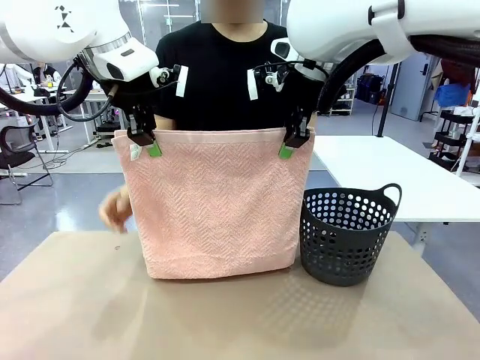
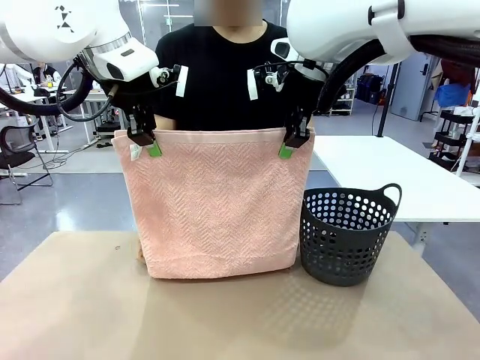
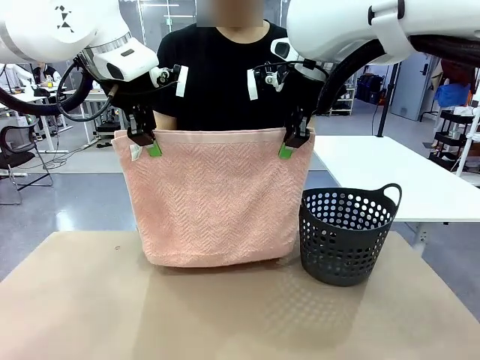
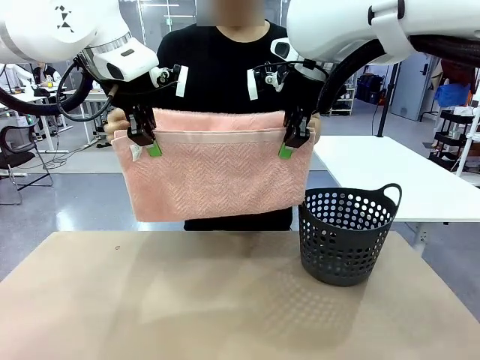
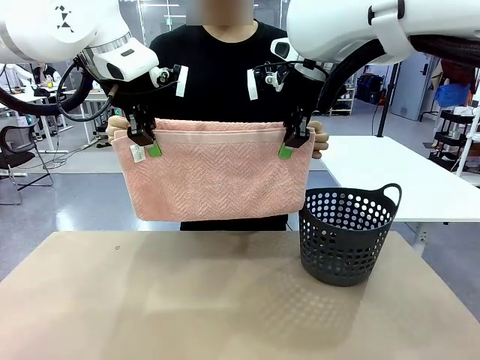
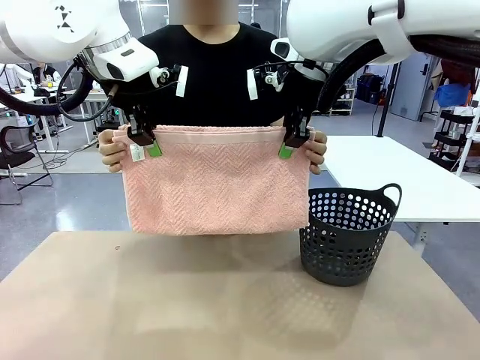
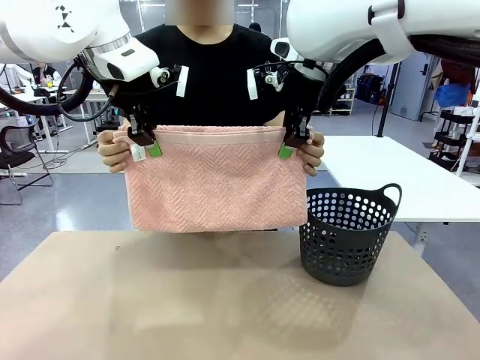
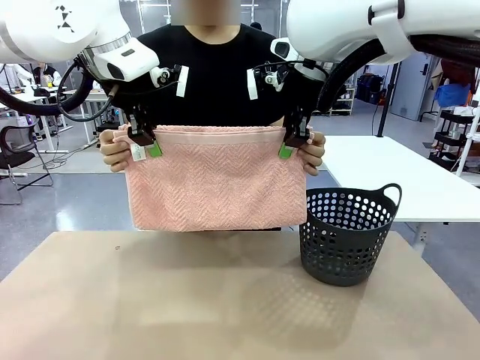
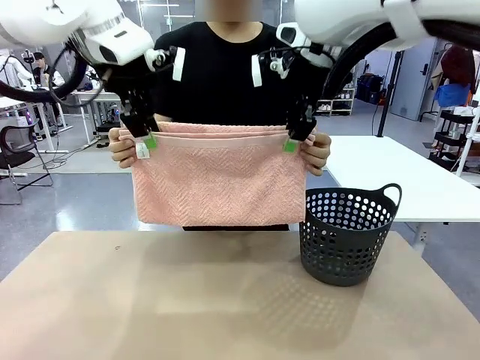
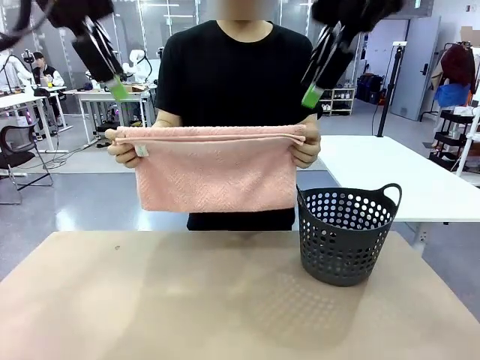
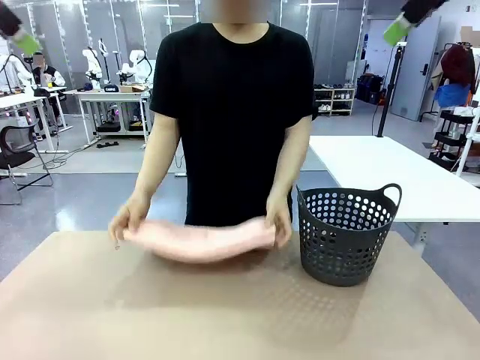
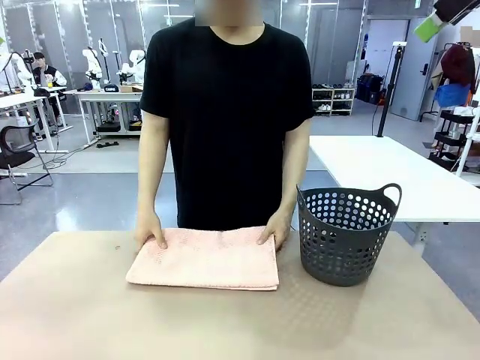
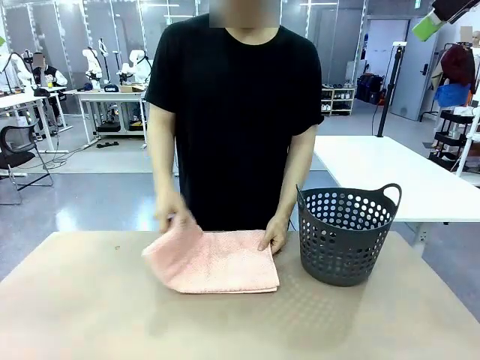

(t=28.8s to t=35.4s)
Task: Fold the towel.
Robot: Release the end of the 100 cm Hotel Towel you were holding.
Person: Place the towel at the center of the robot table and fold it in half.

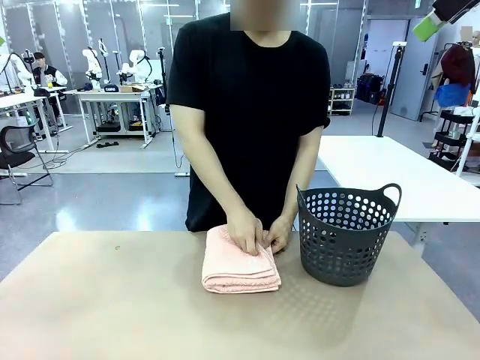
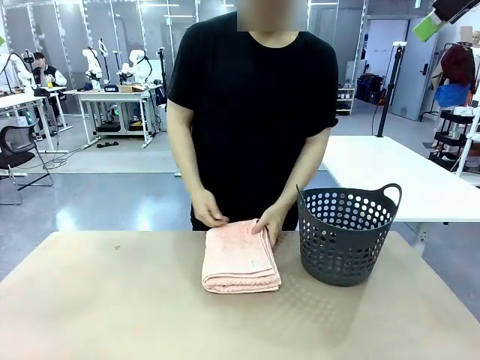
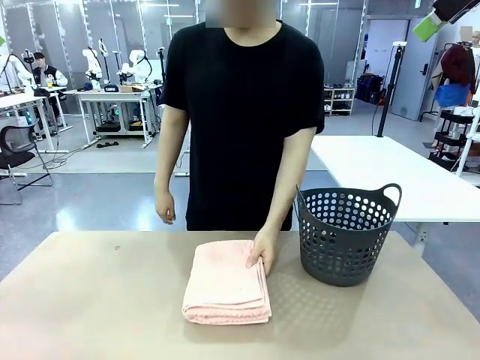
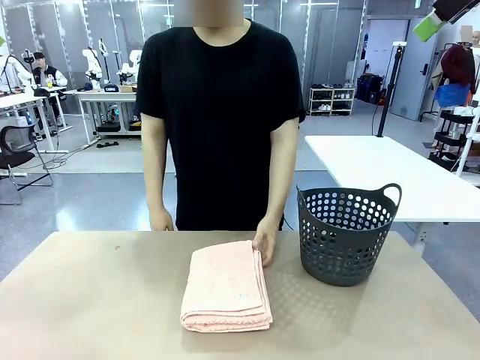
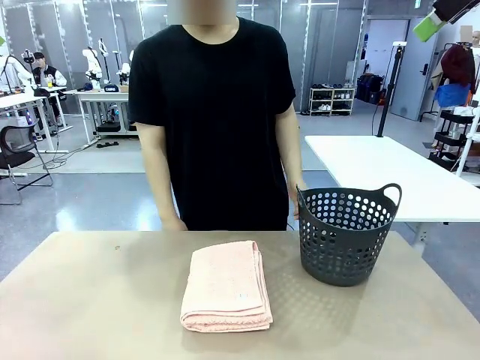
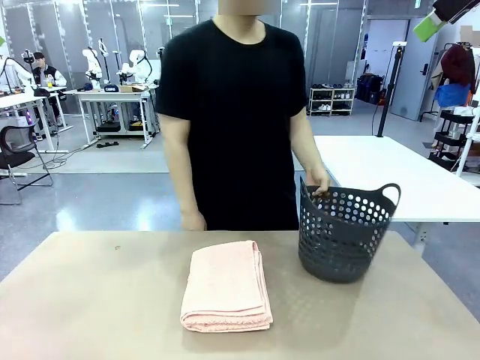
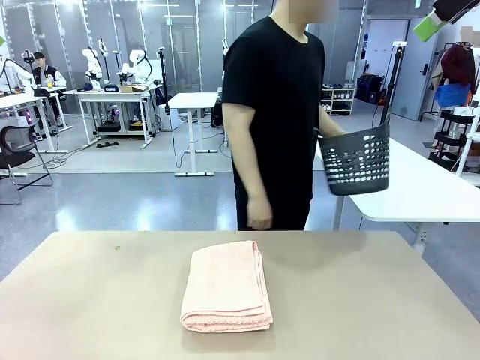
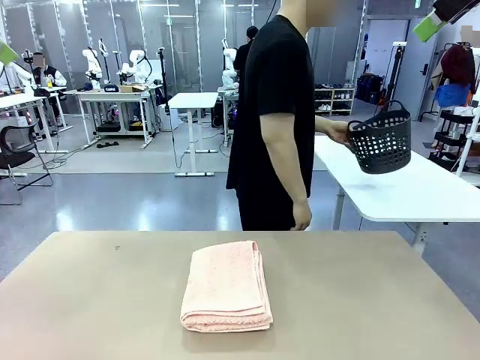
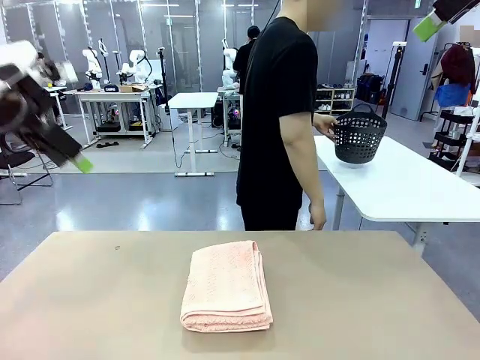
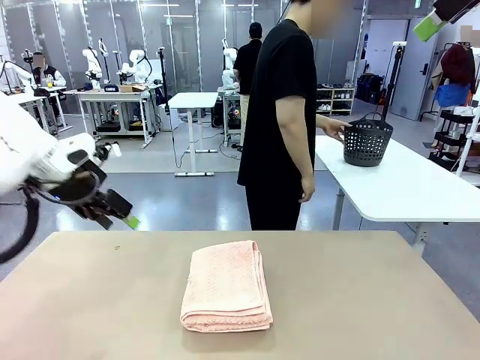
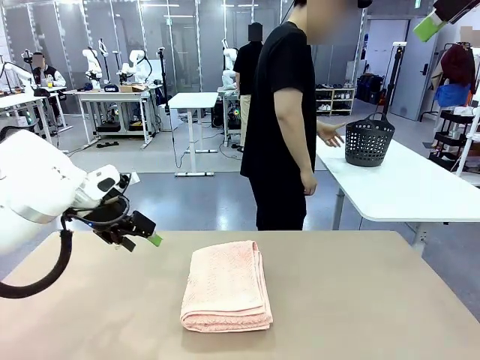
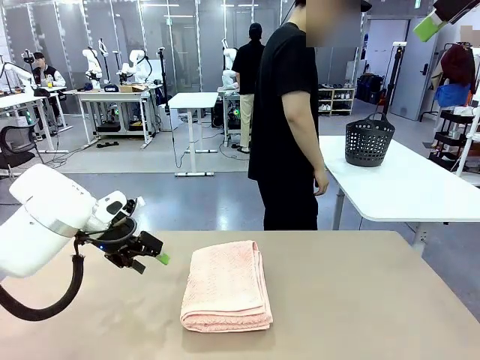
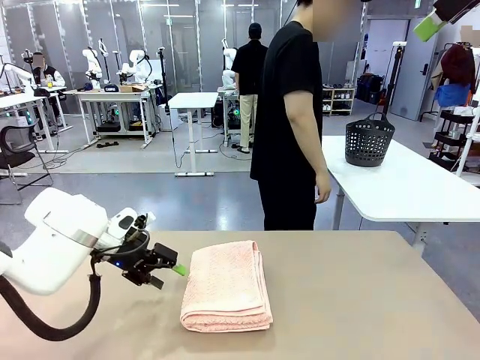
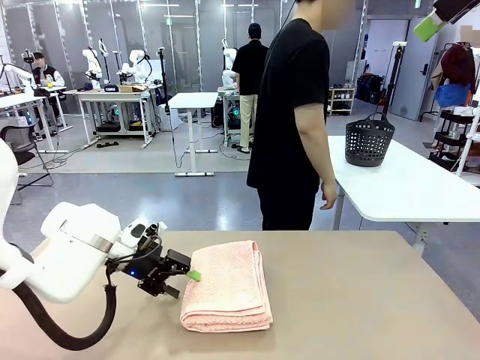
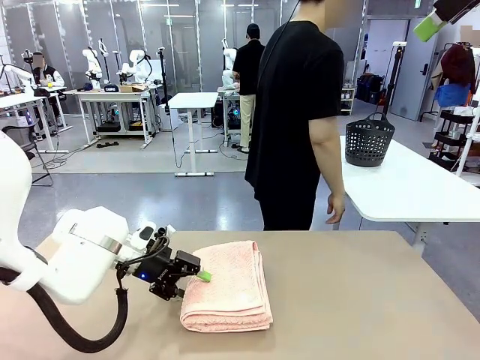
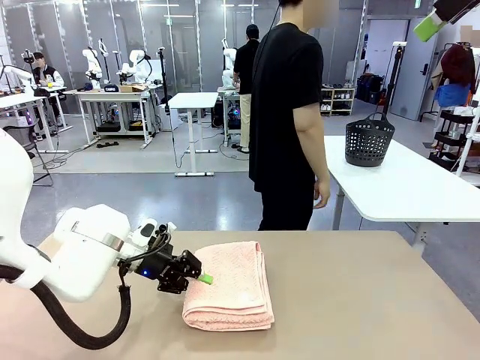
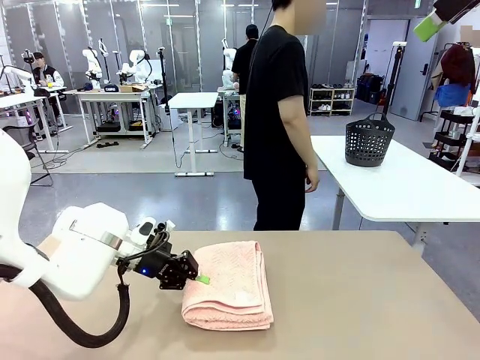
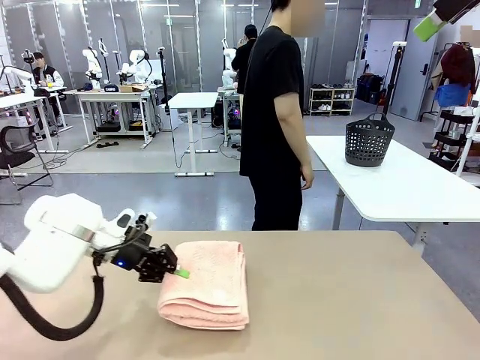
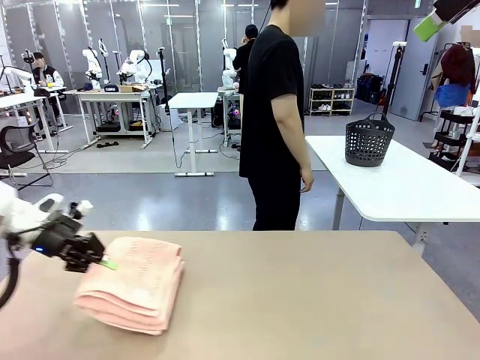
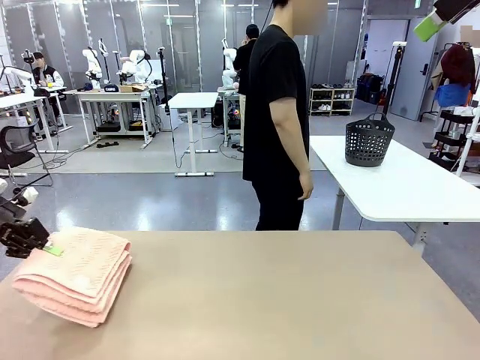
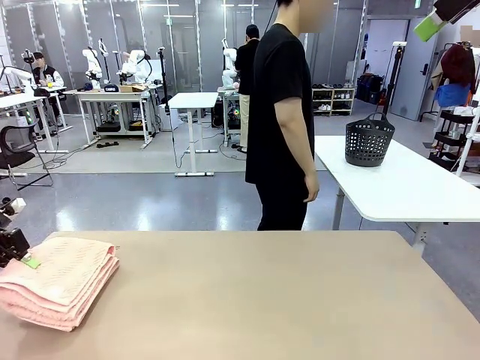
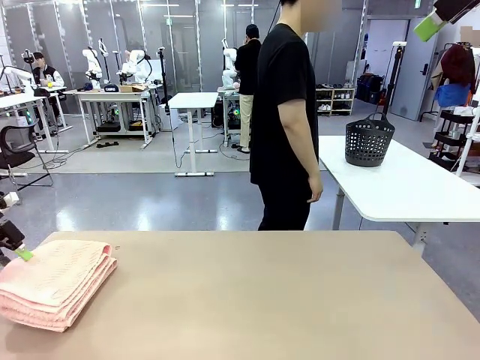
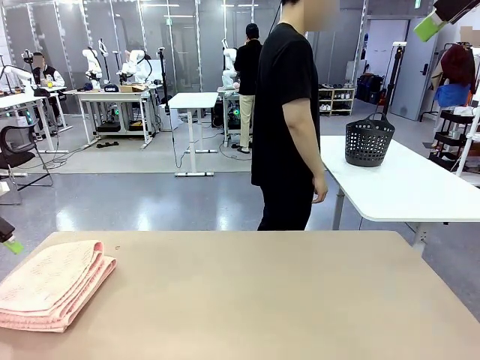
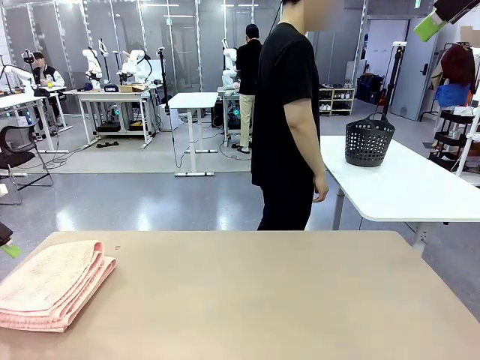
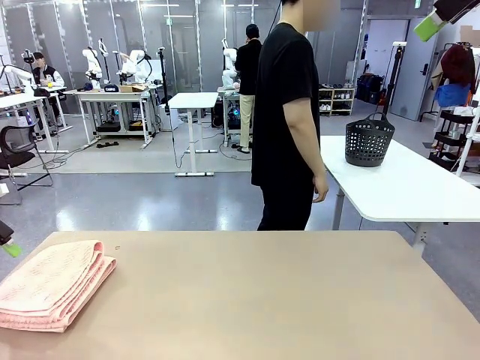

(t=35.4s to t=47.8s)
Robot: Pick up the 100 cm Hotel Towel and place it on the left side of the table.
Person: Pick up the laundry basket and place it at the center of the human table.

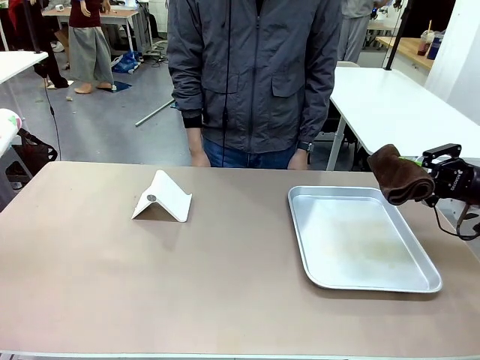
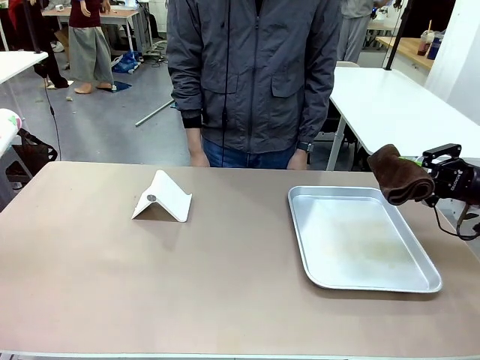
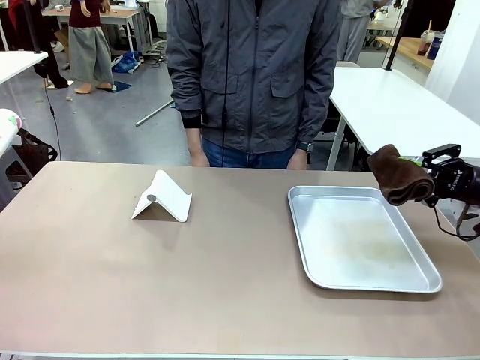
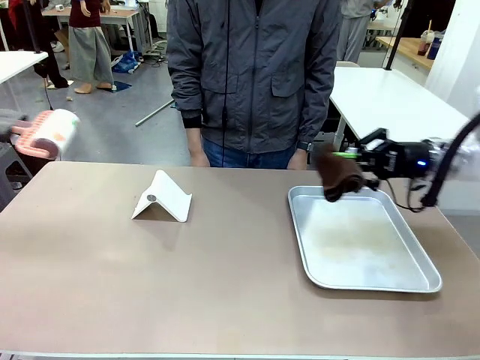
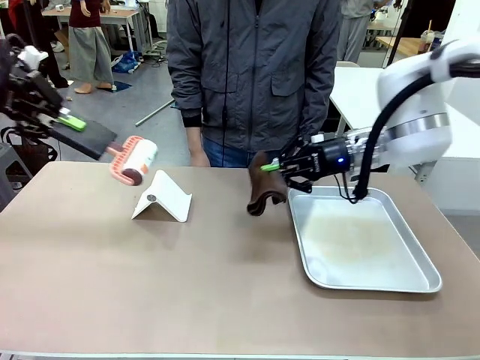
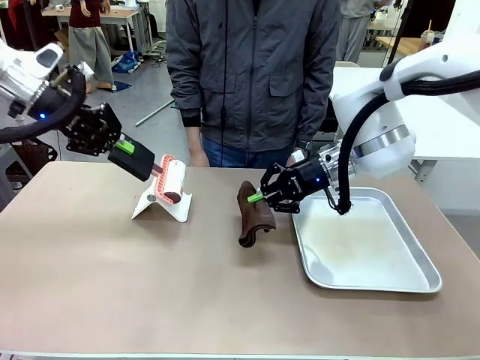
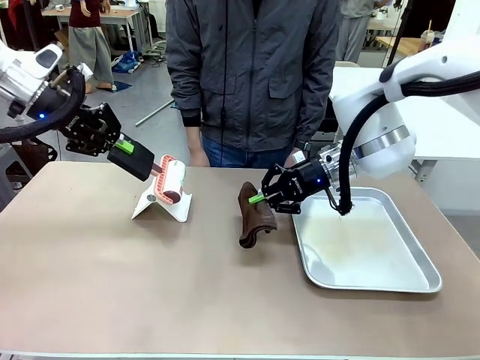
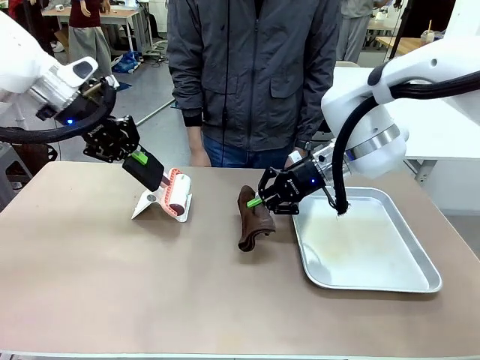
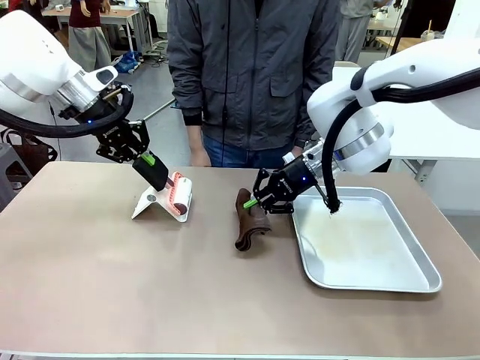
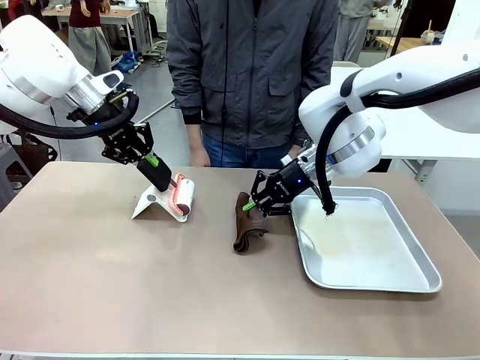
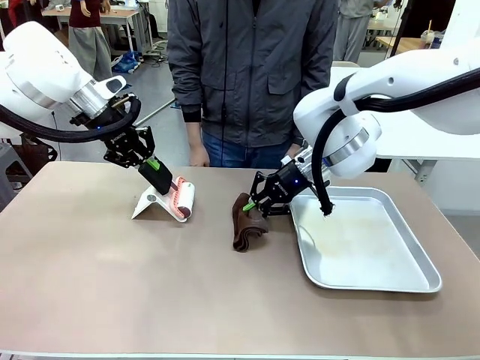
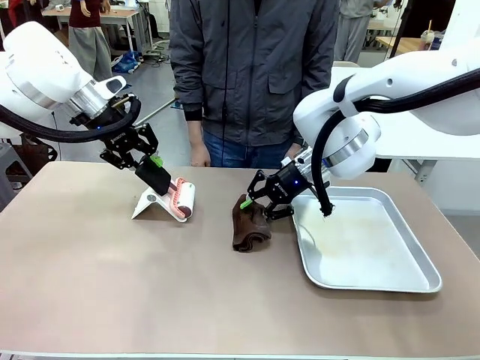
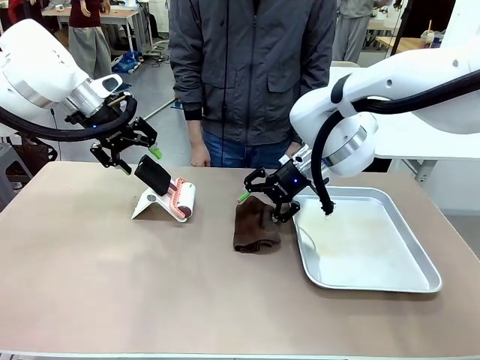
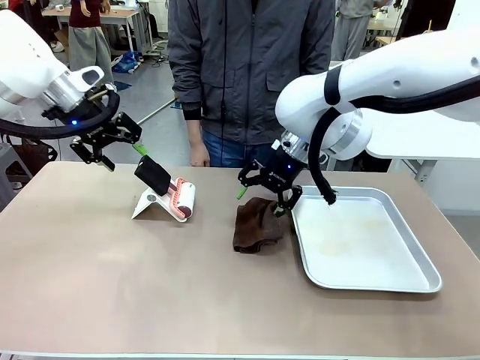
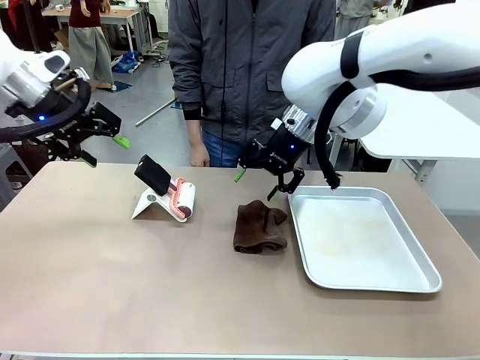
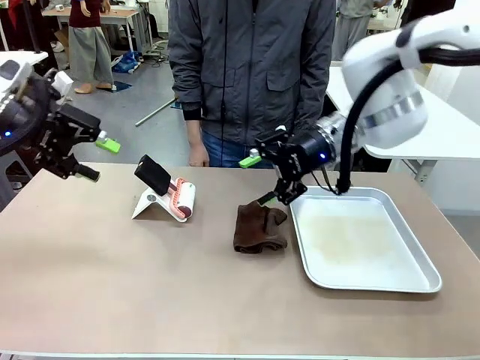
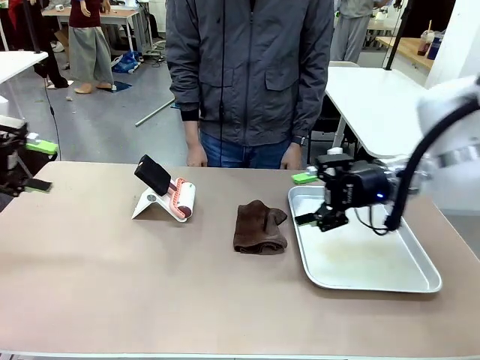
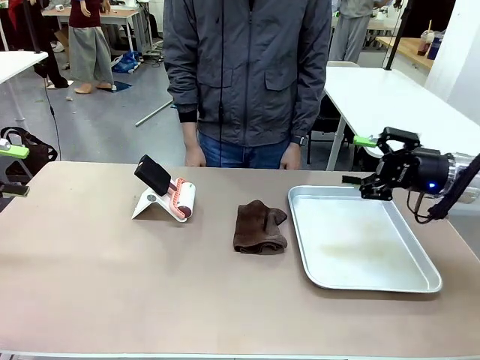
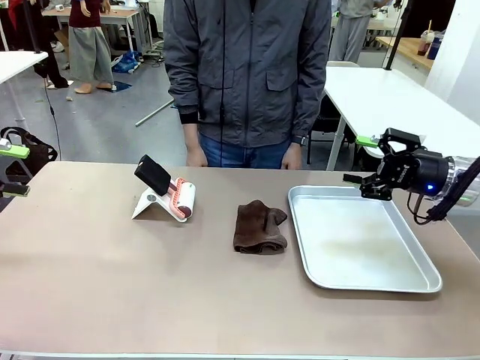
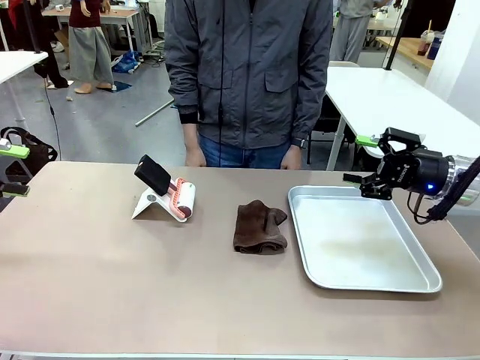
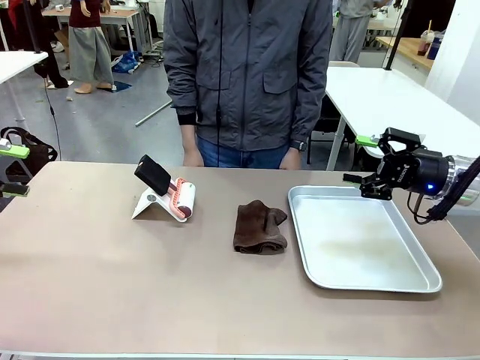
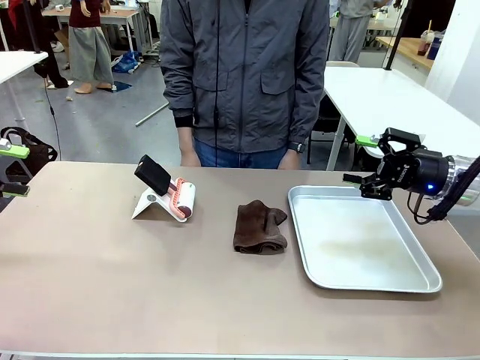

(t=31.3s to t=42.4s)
Task: Clean the surface of the table.
Robot: Return the Lint Roller and towel to their original positions.
